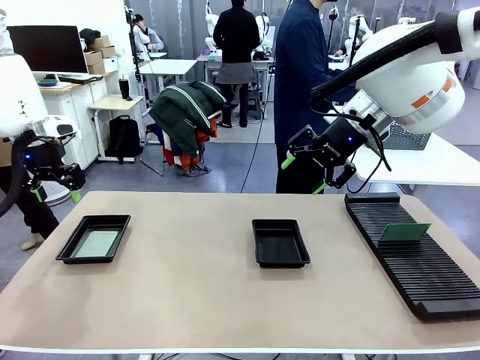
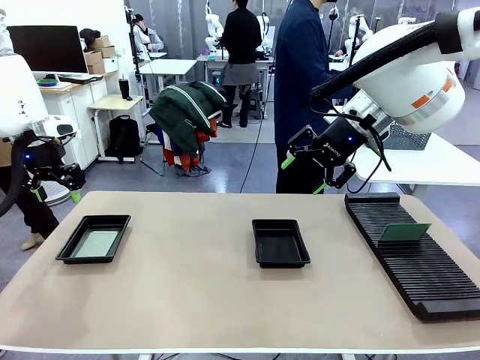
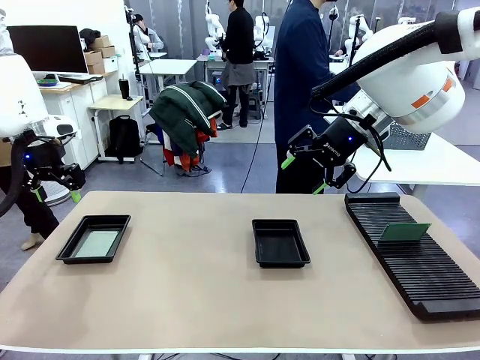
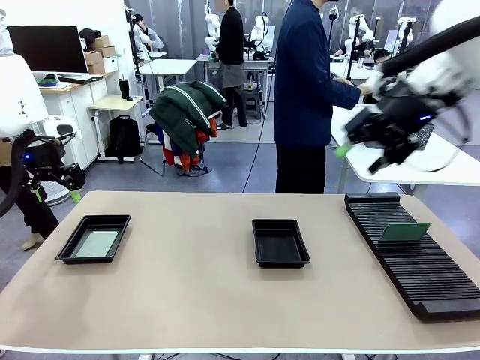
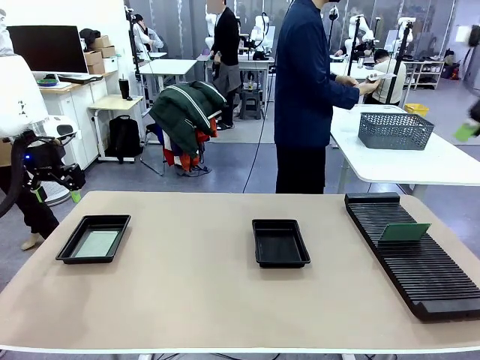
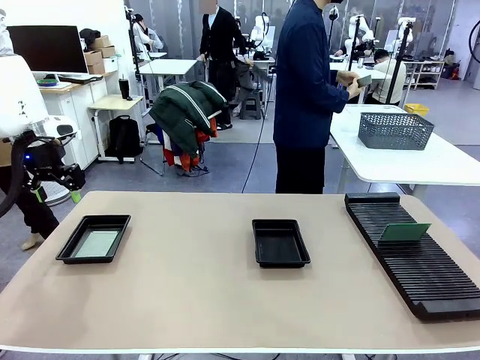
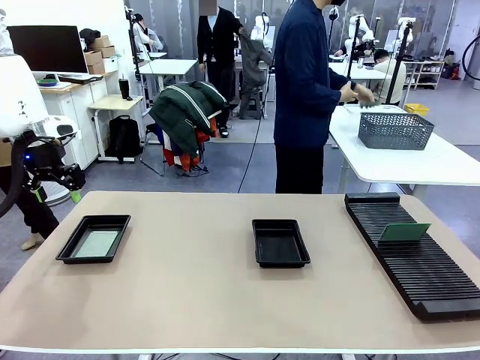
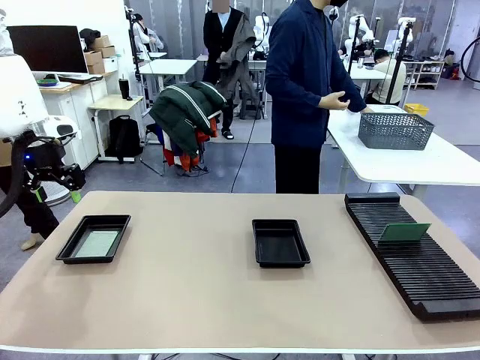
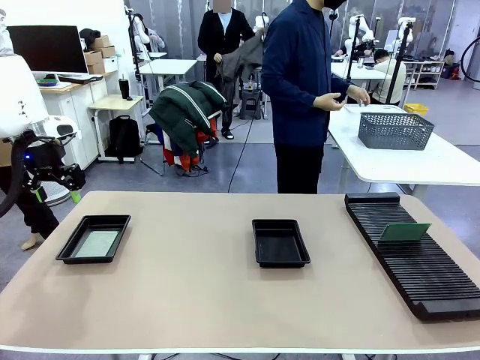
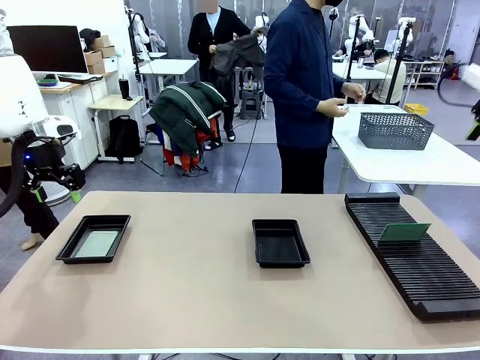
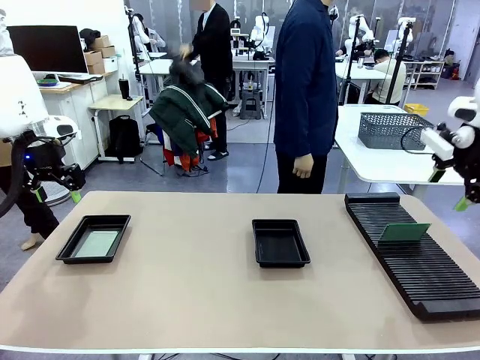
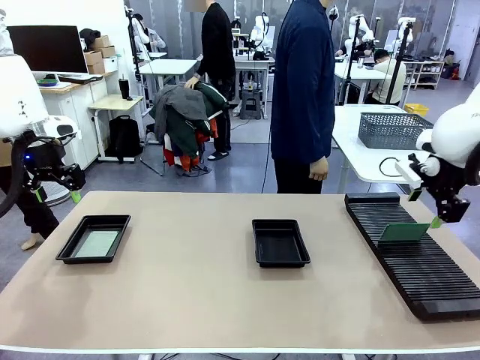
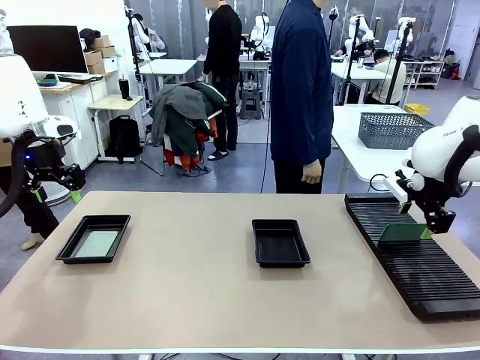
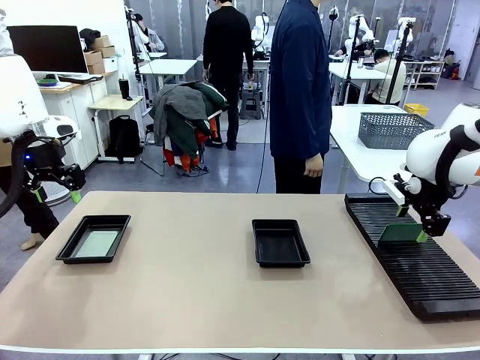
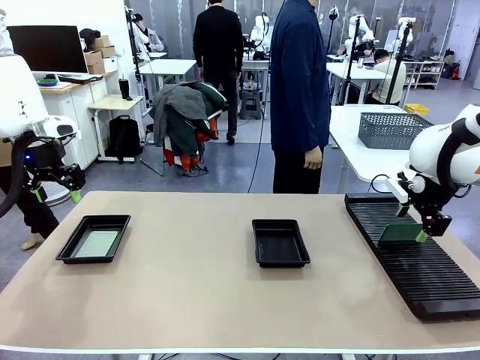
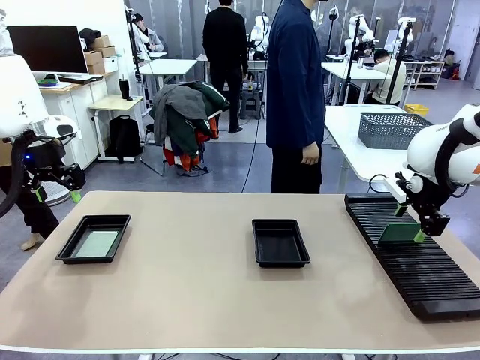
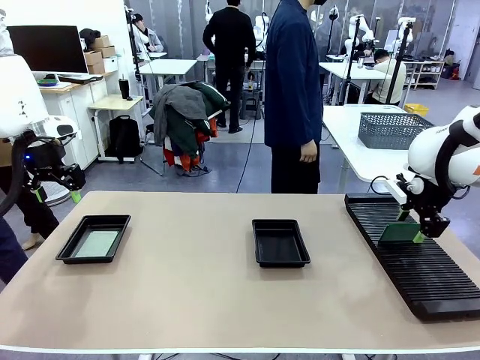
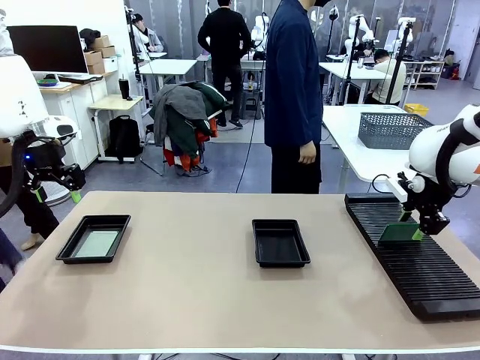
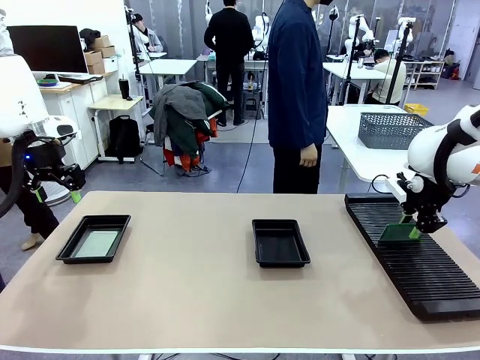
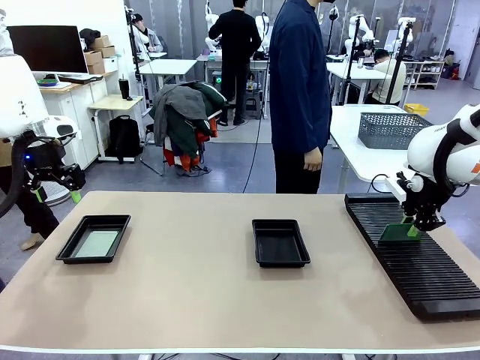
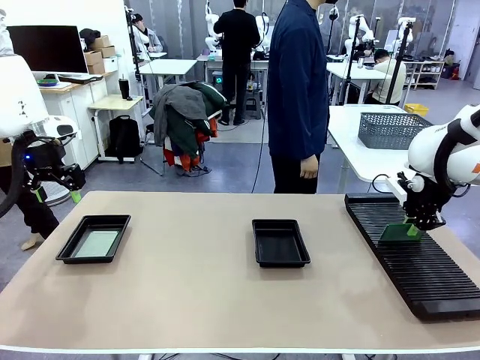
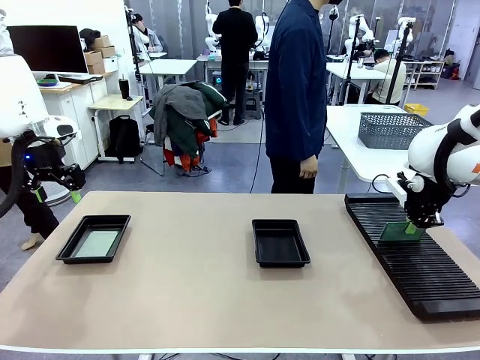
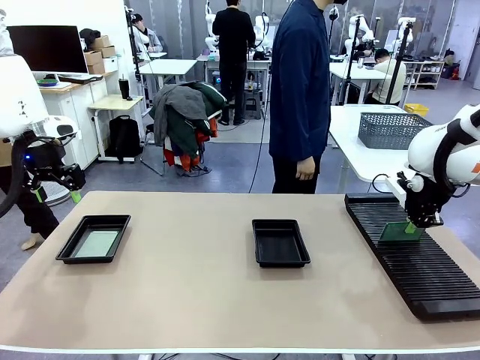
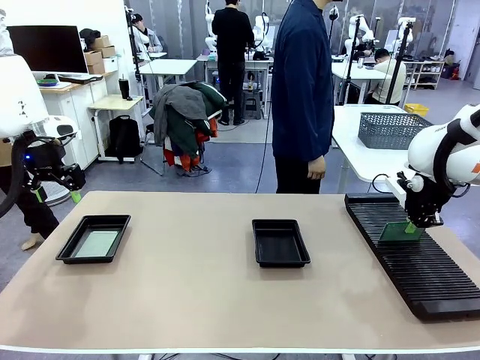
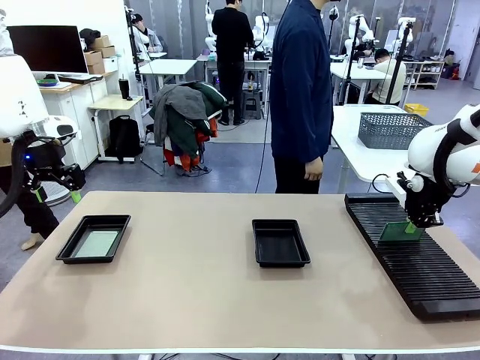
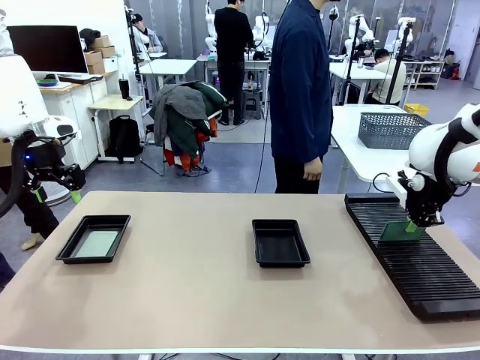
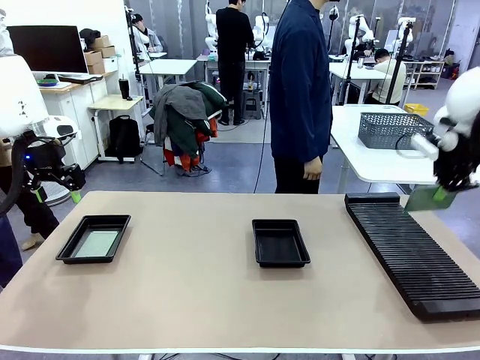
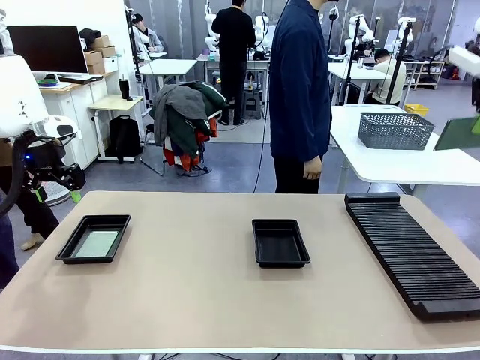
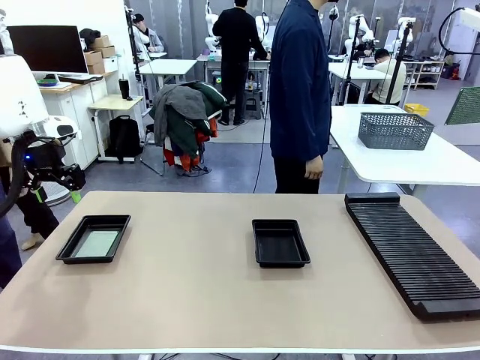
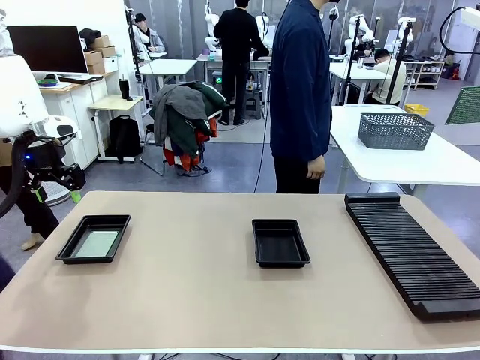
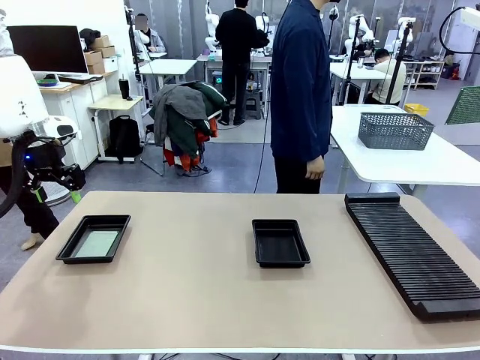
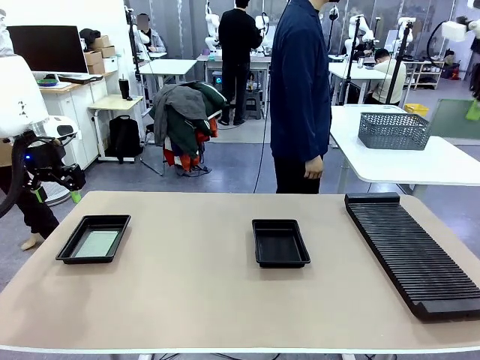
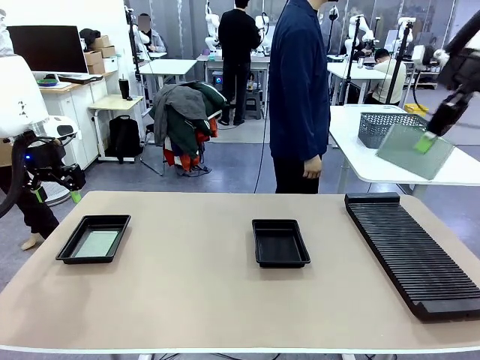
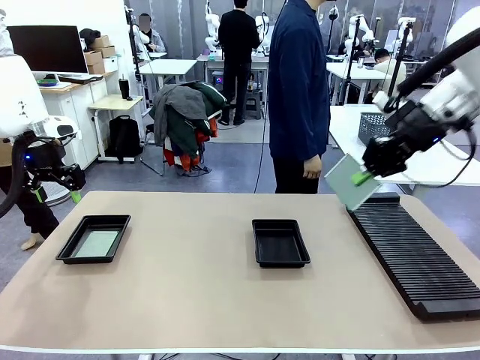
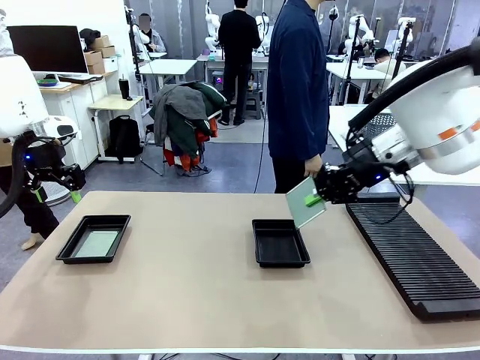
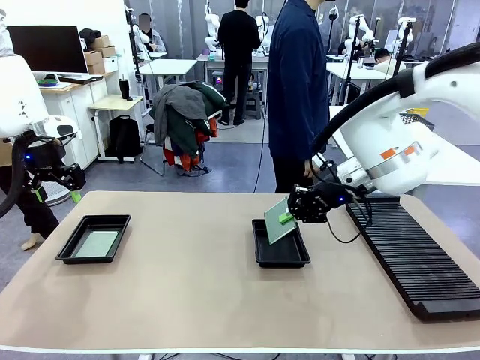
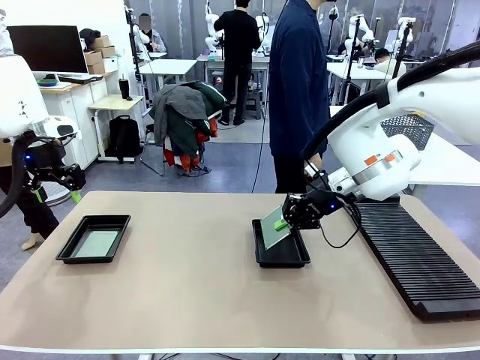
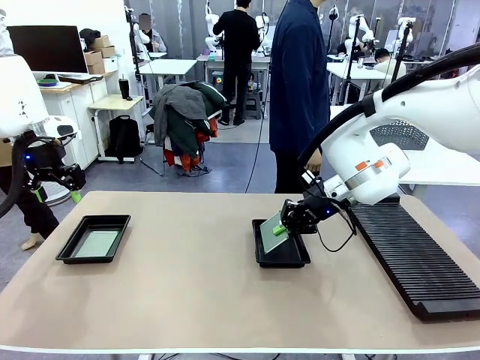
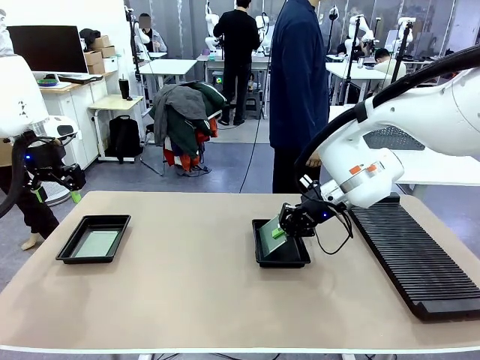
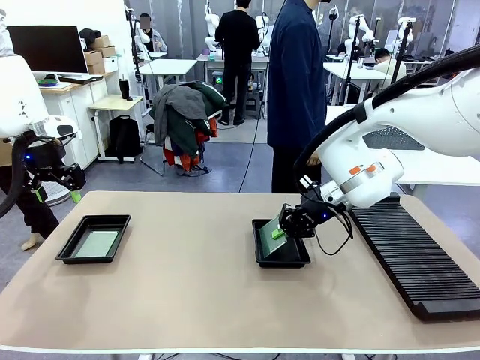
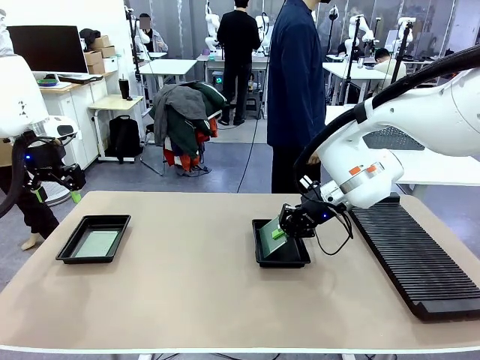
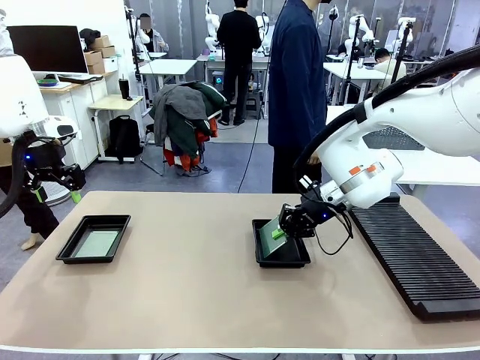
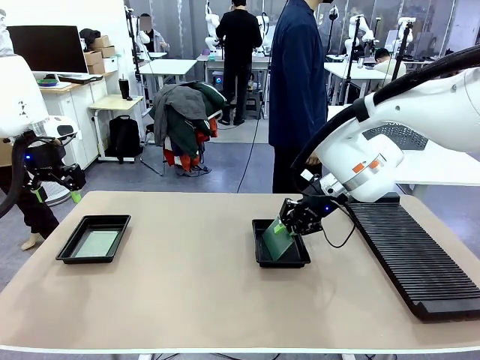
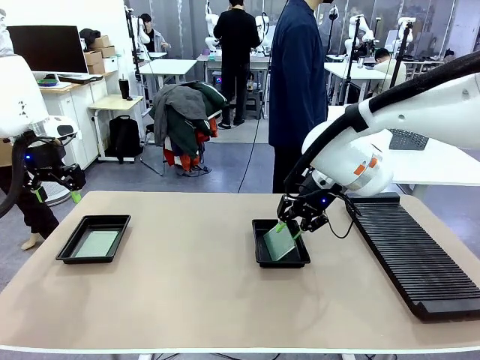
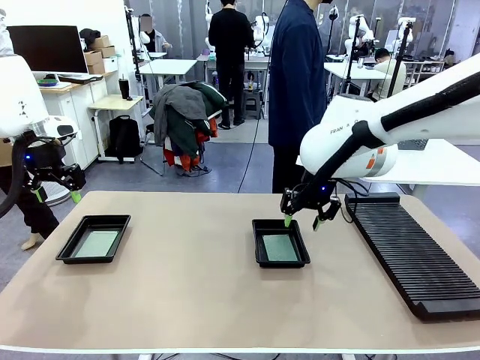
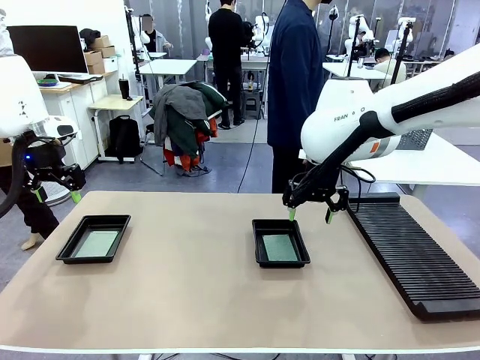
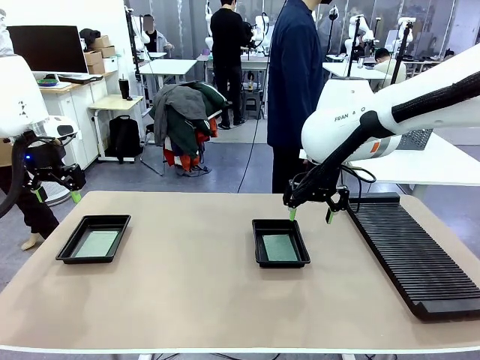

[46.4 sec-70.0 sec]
Task: Inspect and transfer BCBs to ESD trays.
Robot: Pick up the Blank PCB from the PCB Rack and place it in the right ESD tray.

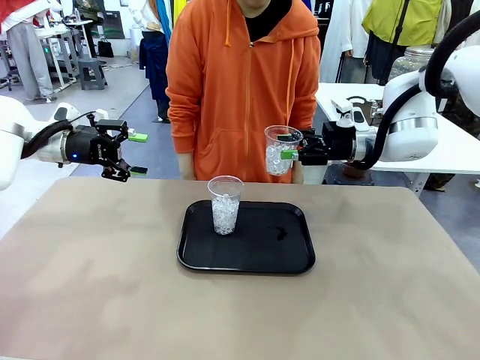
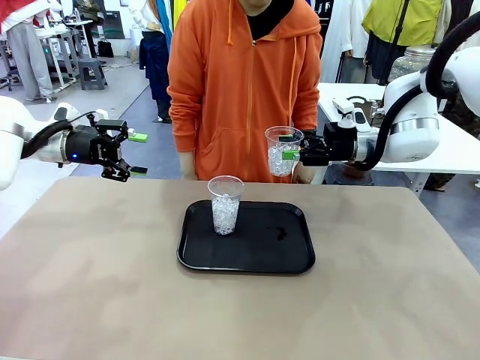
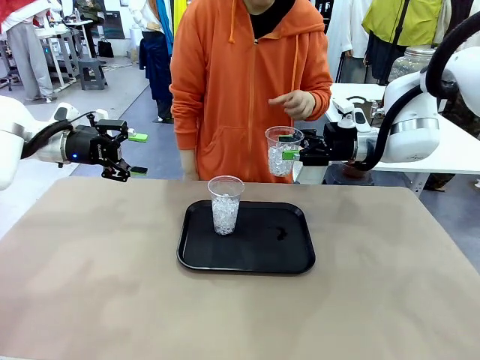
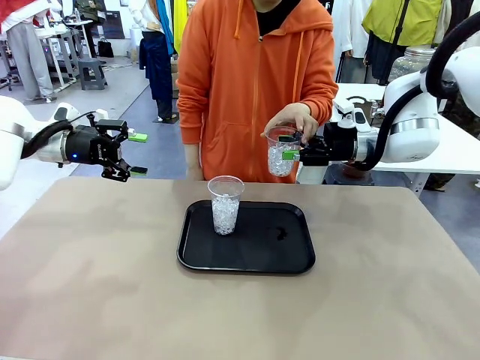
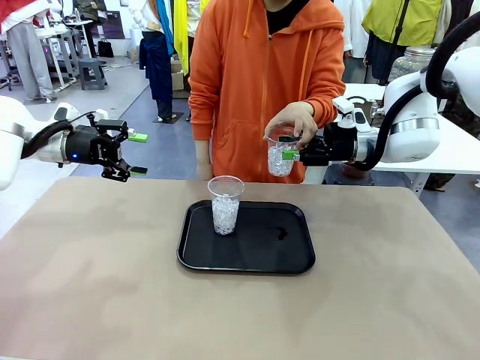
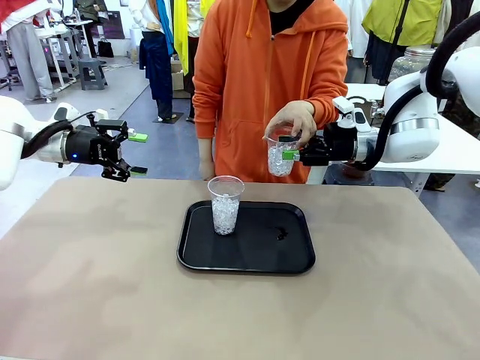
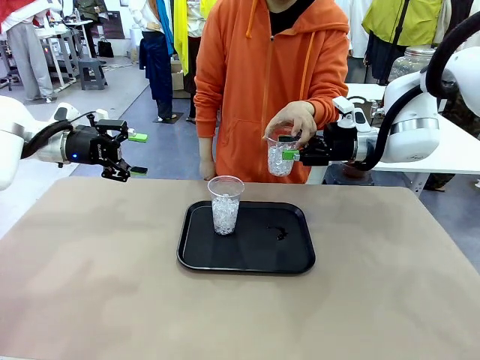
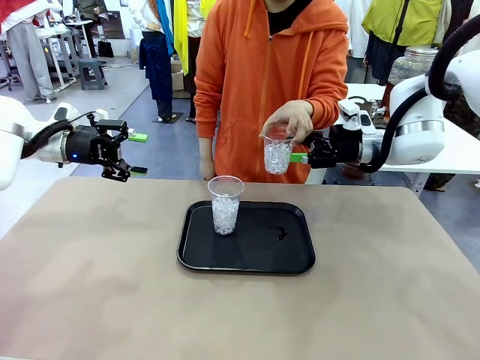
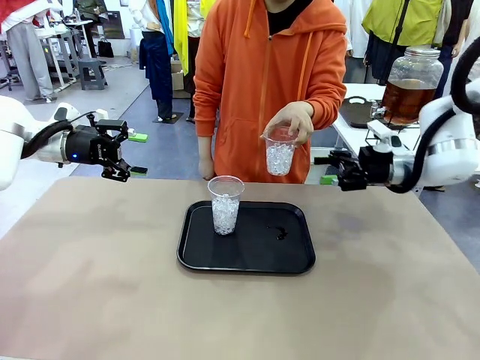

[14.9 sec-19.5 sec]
Task: Pour the drink into the iced cup.
Robot: Open the gripper to release the iced cup you were holding.
